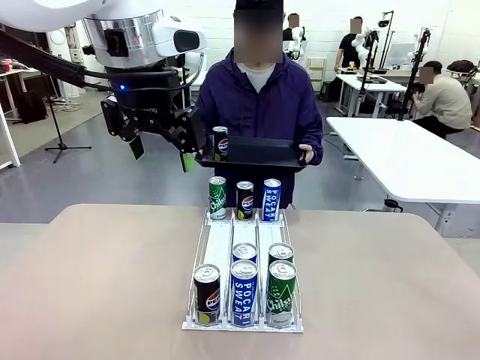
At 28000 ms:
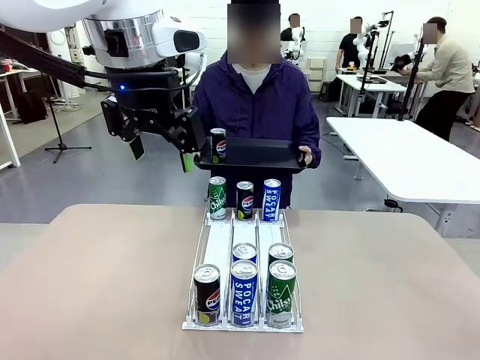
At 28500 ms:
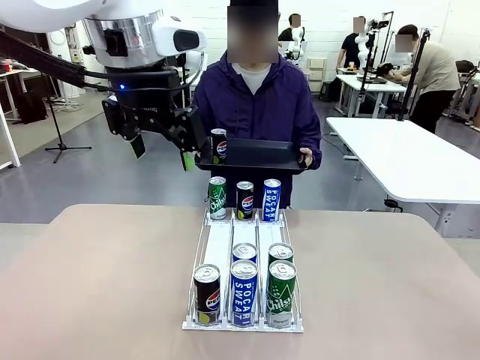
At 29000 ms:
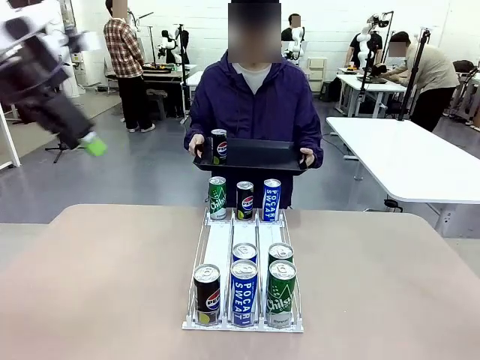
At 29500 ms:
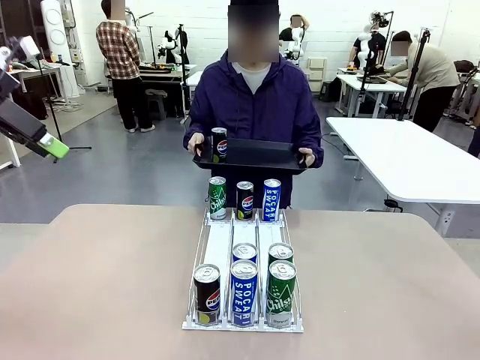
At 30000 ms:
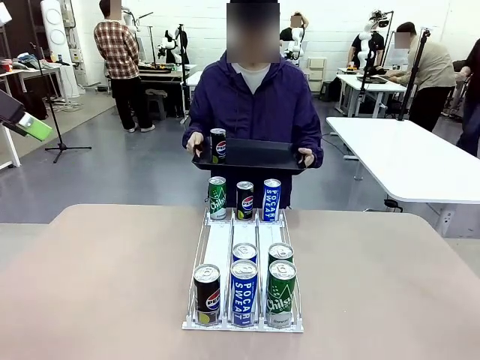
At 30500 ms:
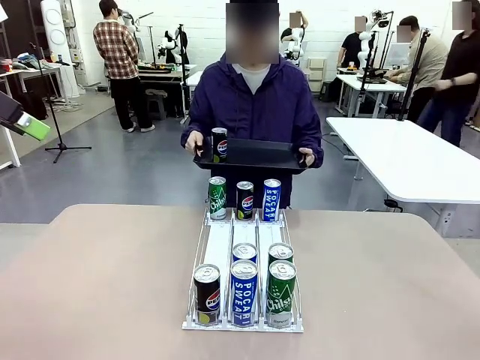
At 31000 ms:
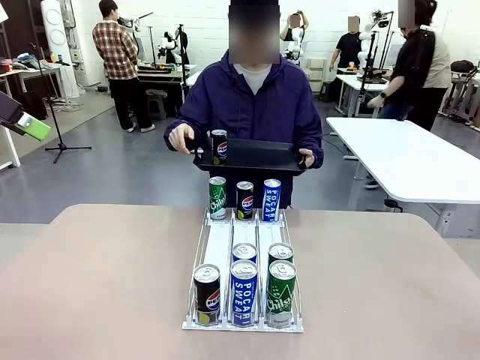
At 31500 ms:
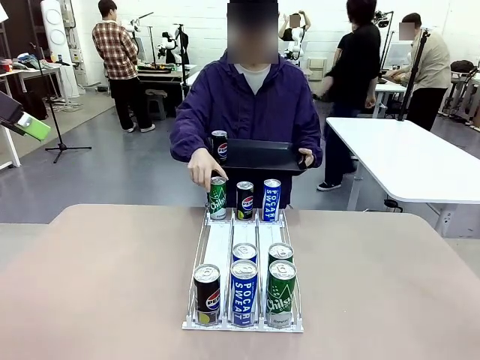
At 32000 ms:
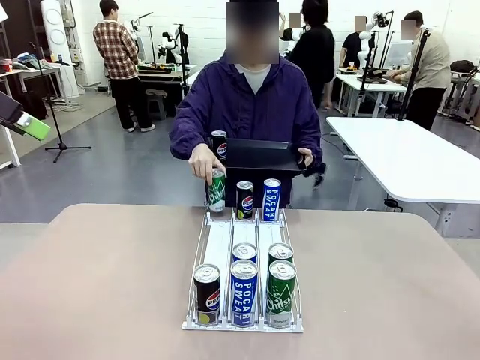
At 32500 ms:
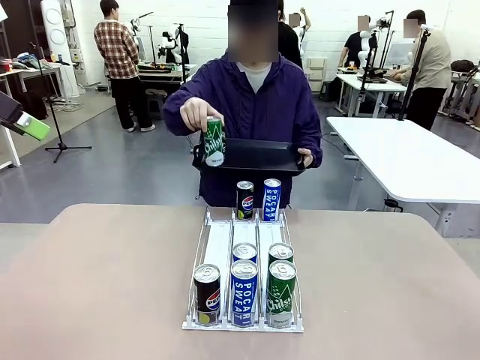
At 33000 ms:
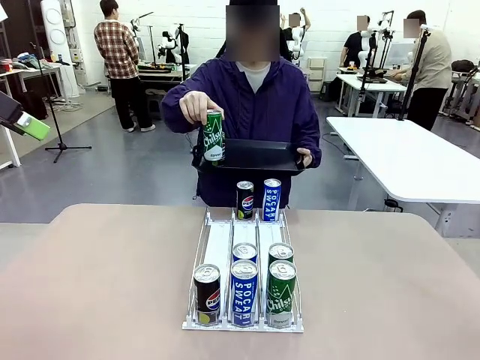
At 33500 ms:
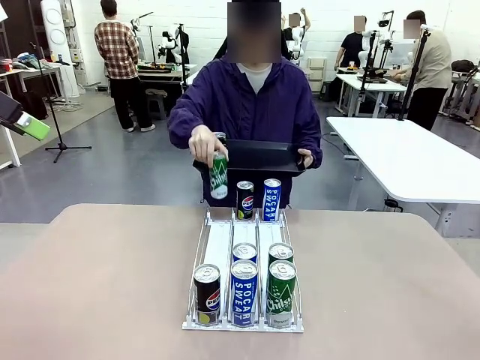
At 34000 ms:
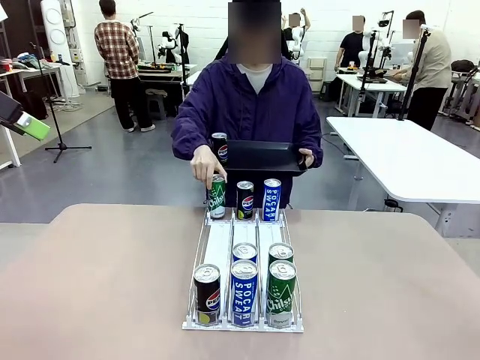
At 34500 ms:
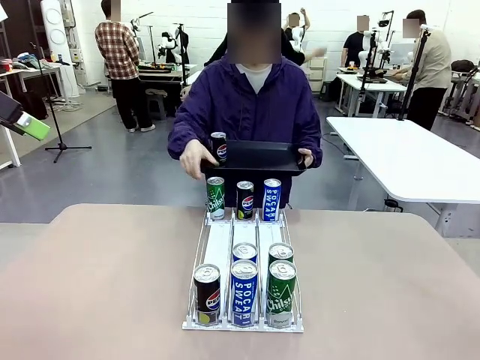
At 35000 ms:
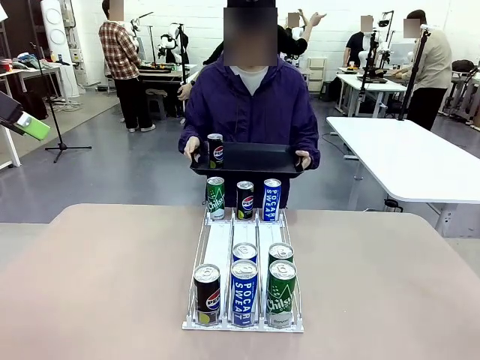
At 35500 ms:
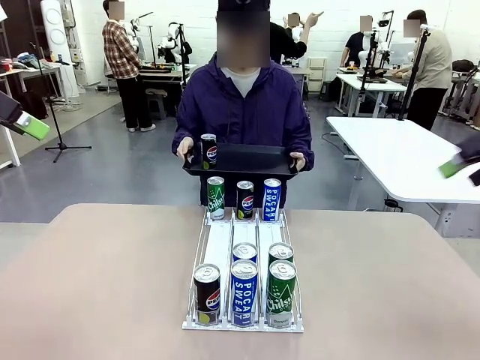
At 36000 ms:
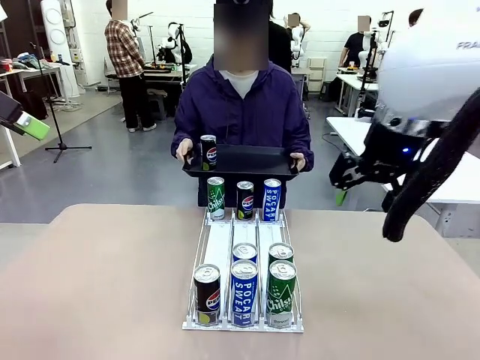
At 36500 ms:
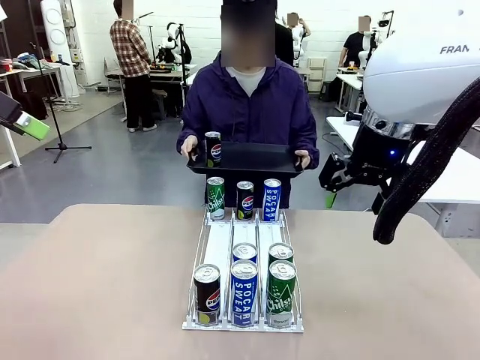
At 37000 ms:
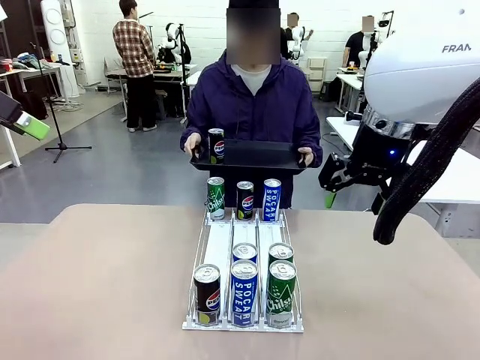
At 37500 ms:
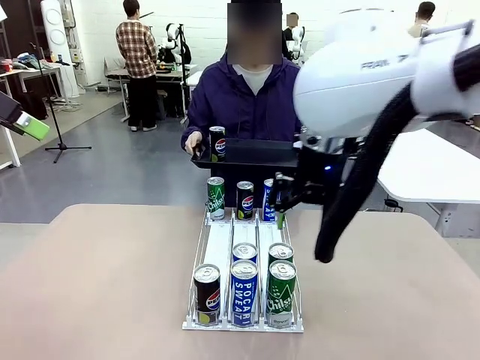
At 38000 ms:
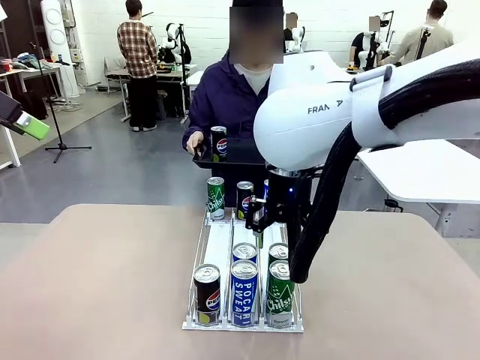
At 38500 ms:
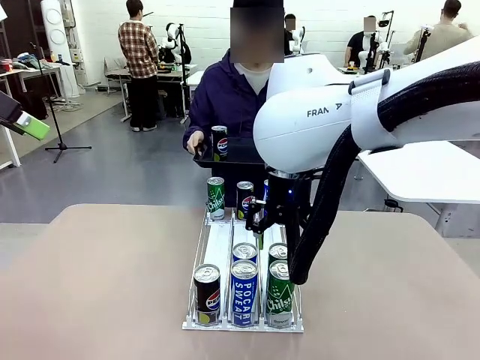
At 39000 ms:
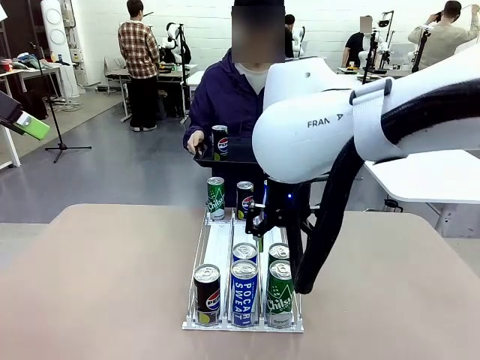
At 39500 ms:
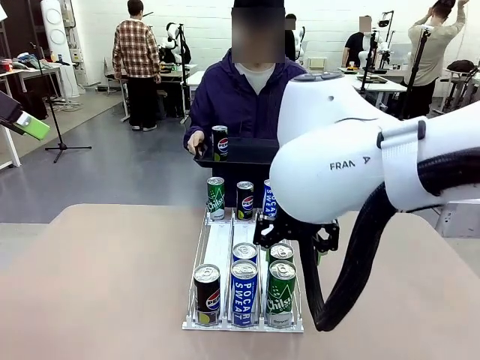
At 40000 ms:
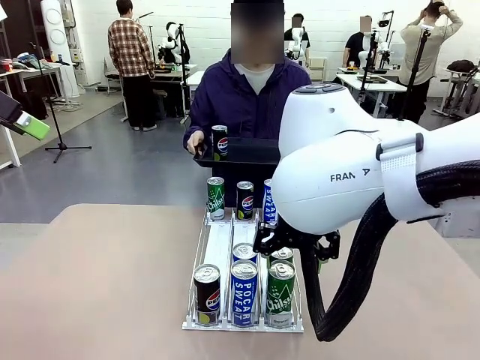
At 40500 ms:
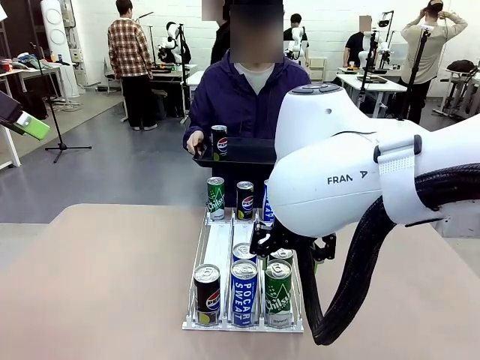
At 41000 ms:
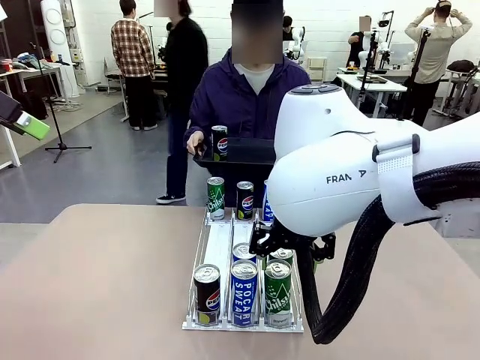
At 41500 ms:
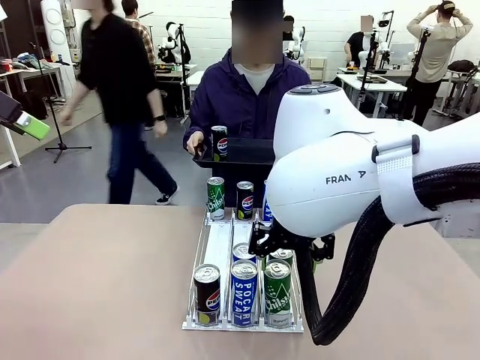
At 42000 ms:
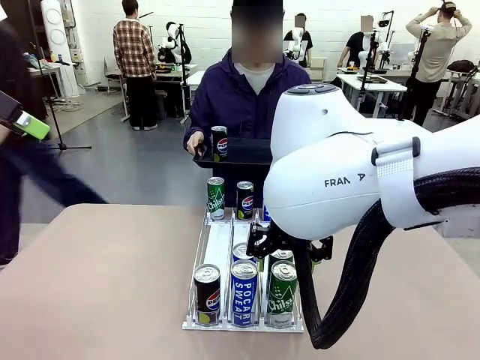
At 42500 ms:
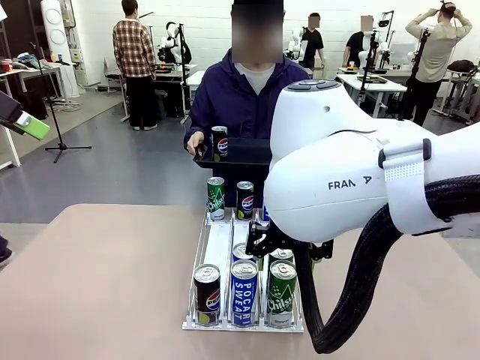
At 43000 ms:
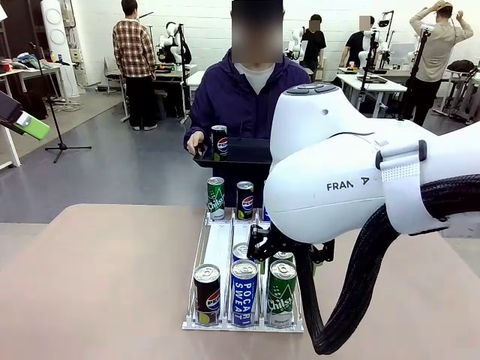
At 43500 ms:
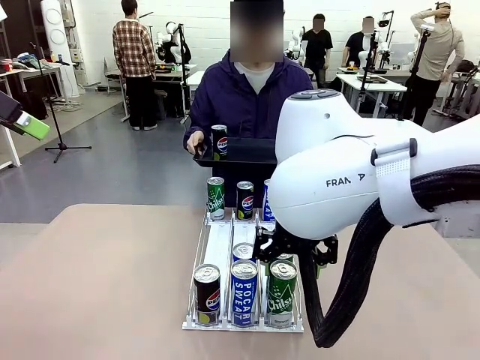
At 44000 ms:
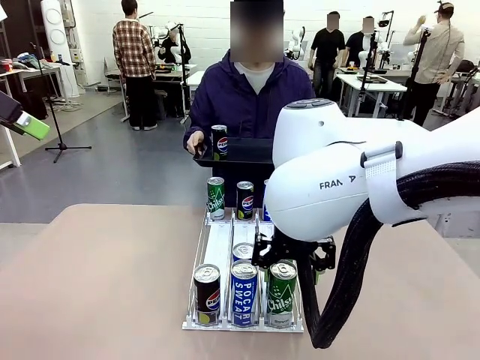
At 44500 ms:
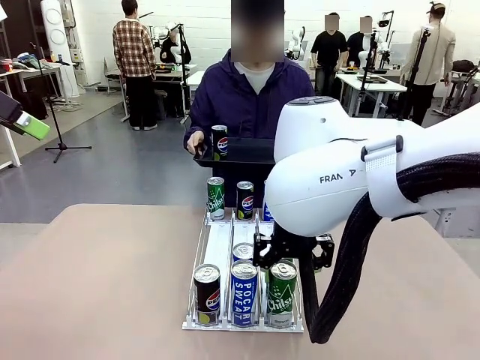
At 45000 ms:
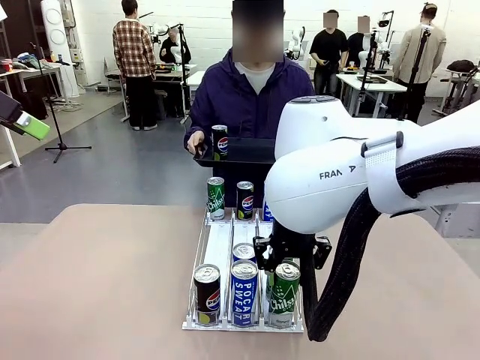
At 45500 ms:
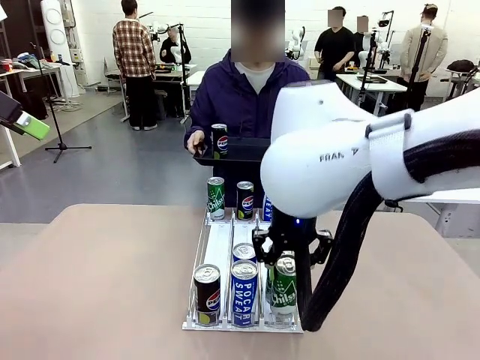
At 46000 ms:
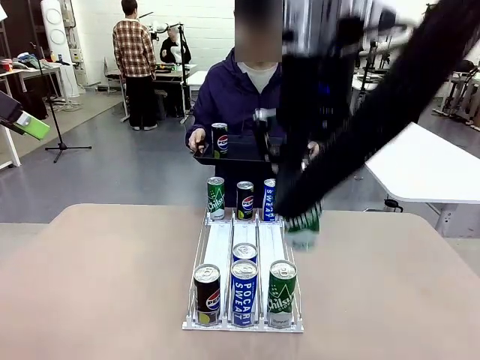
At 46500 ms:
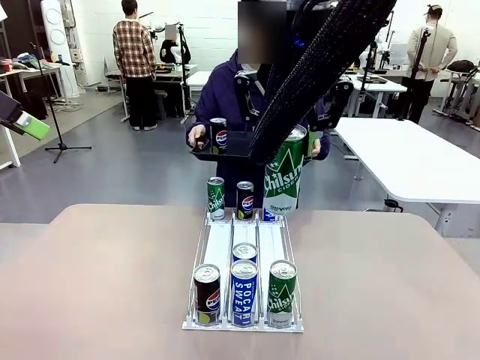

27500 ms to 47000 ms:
Task: Retrieve and hand over the desired beverage to the person.
Robot: Pick up another can of the same type that the person held from the Automatic Can Dispenser.
Person: Pull the tray back, then pick up another can from the bottom area of the table and puts it back in its original place. Push the tray toward the robot again.
